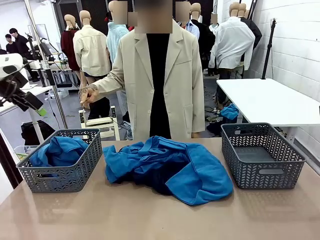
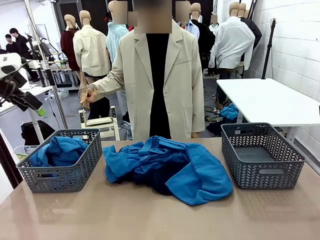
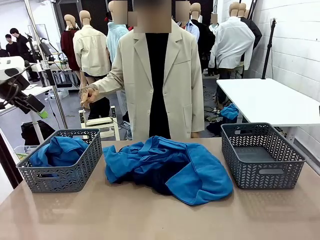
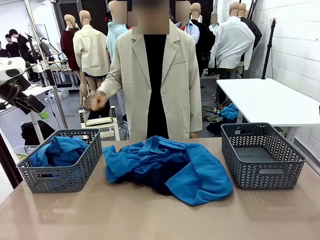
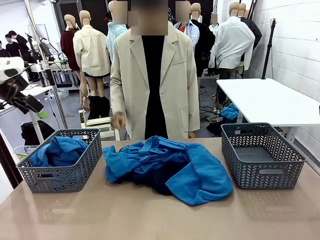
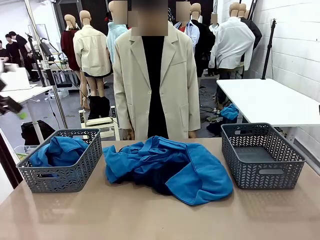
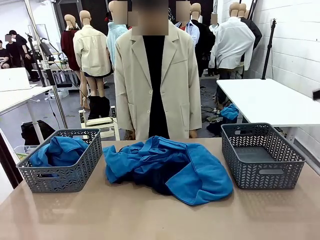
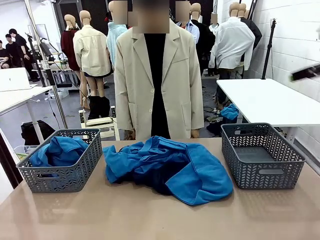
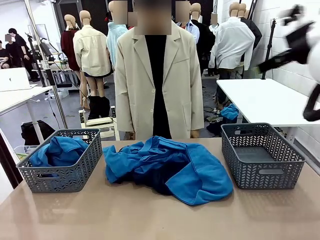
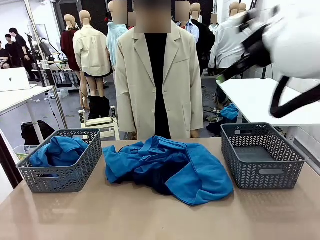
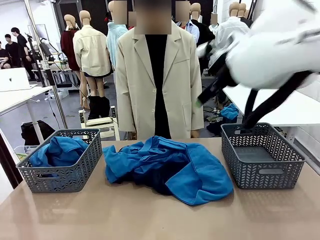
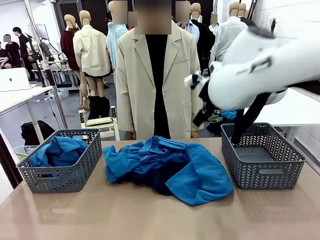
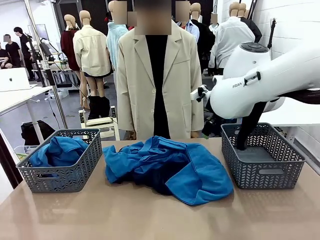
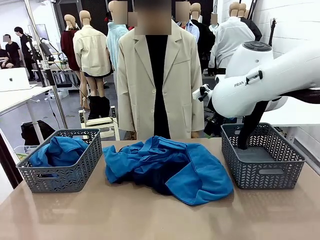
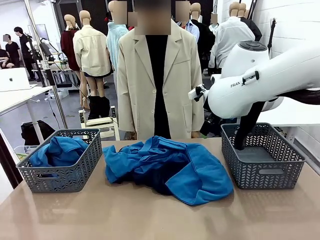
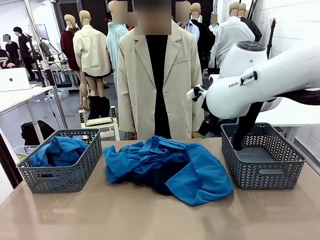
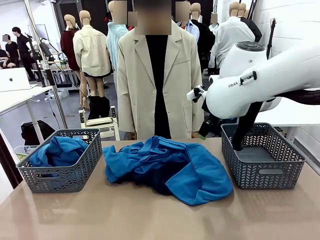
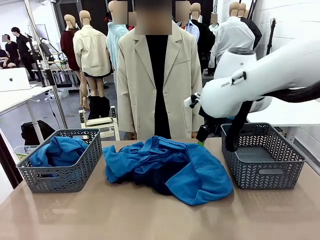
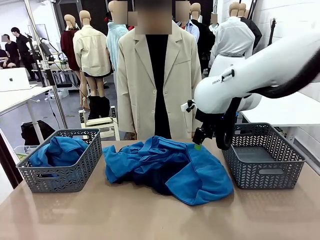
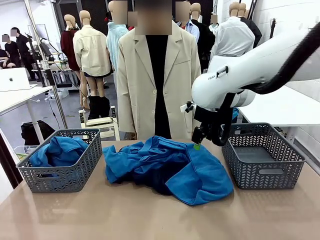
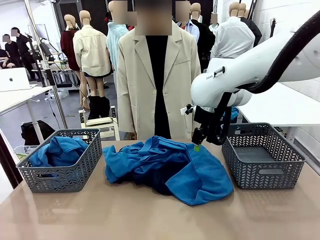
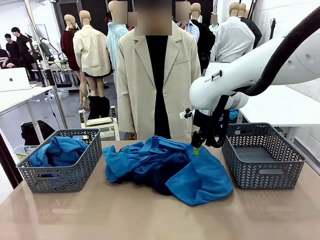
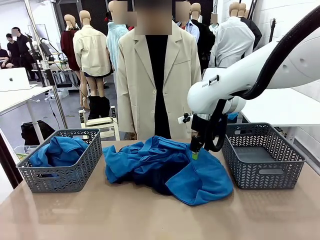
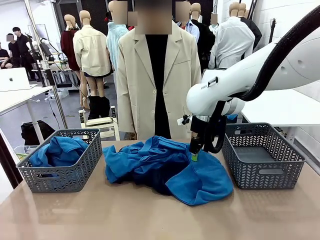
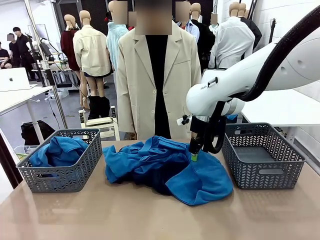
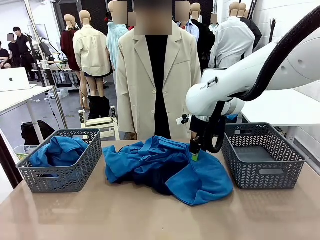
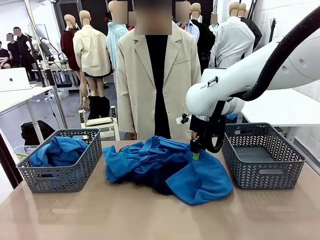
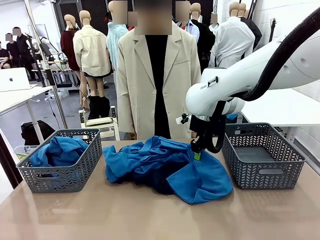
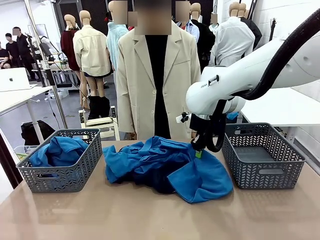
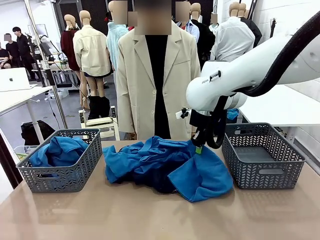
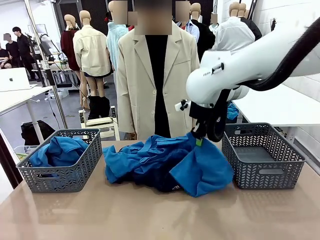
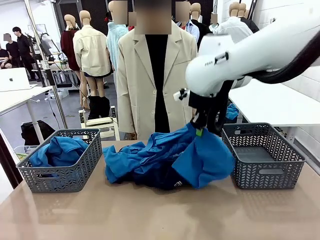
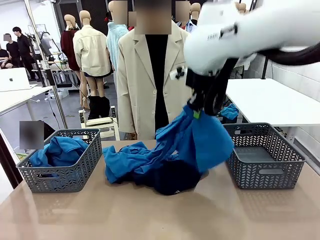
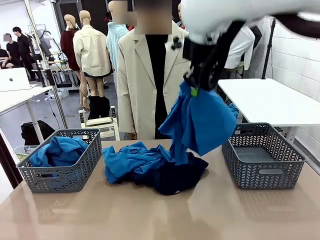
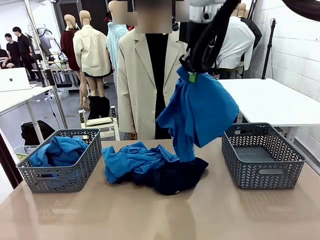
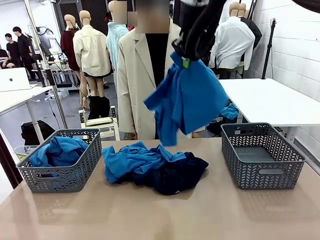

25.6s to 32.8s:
Task: Sort the tops and bottoms.
Robot: Lift clothes from the center of the table with your right hand.

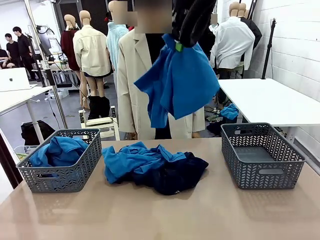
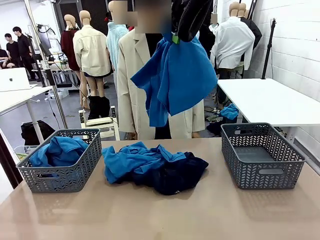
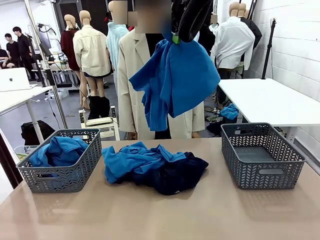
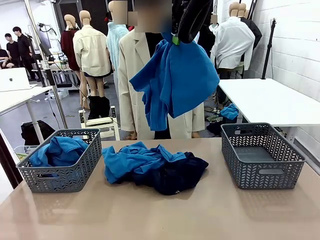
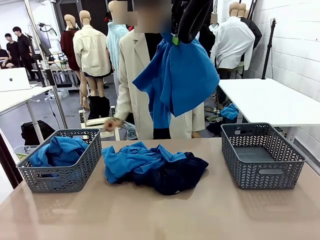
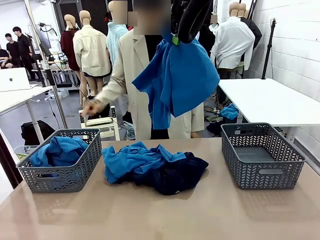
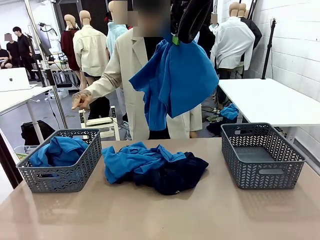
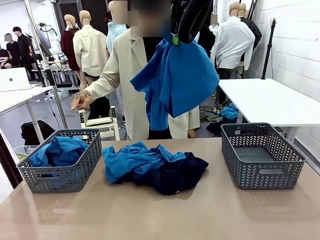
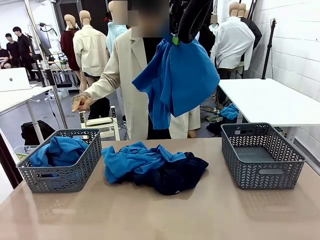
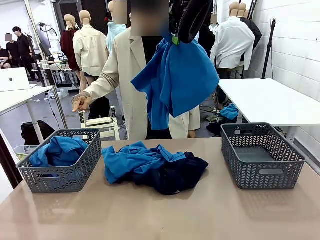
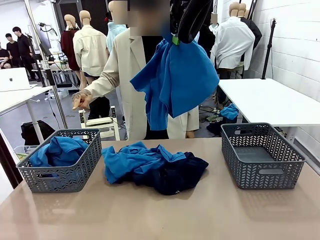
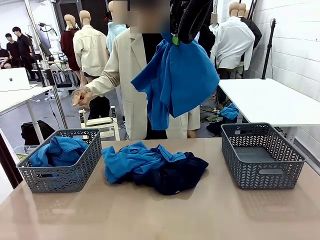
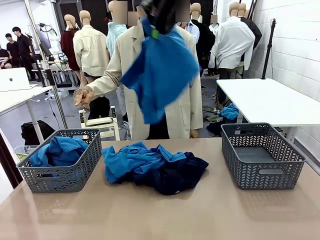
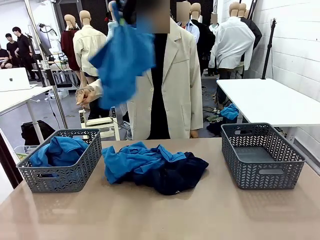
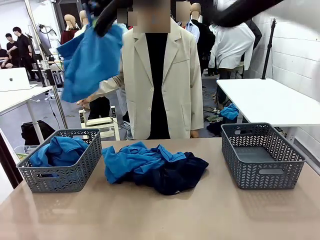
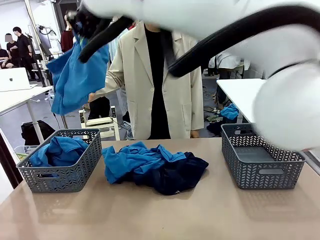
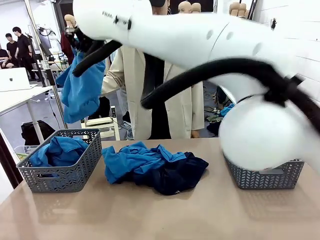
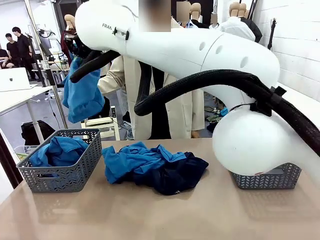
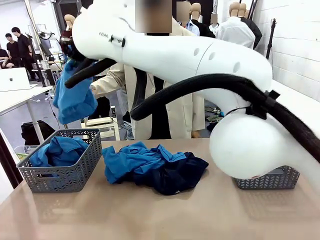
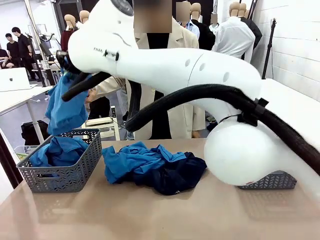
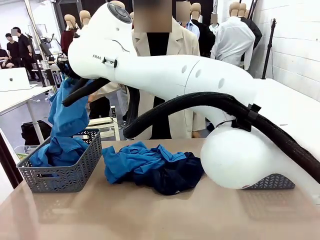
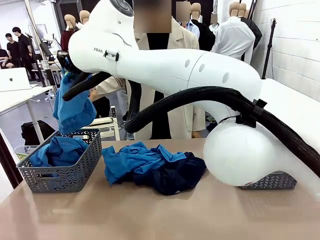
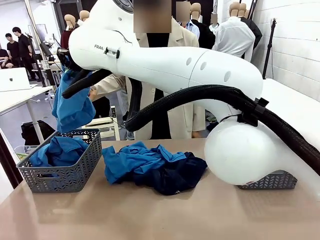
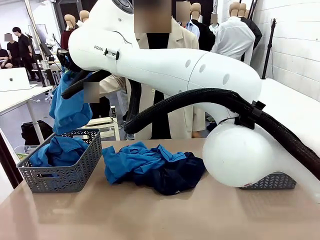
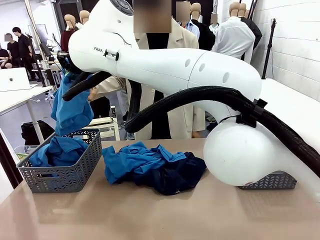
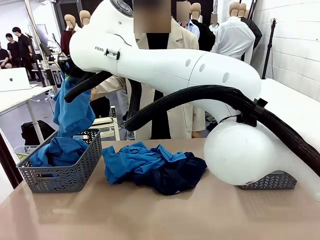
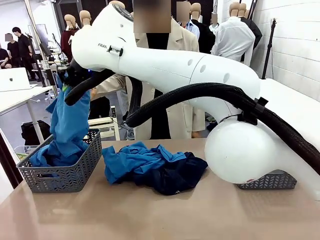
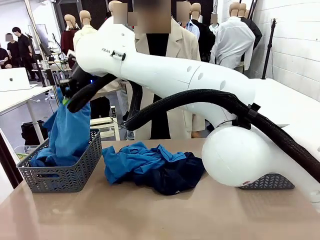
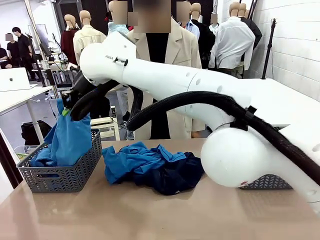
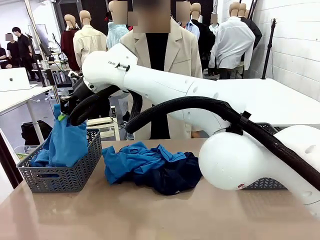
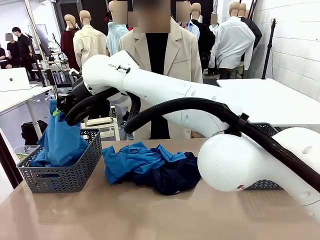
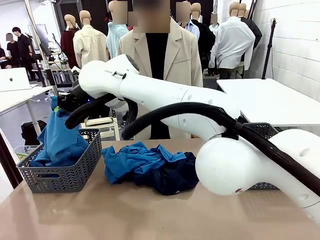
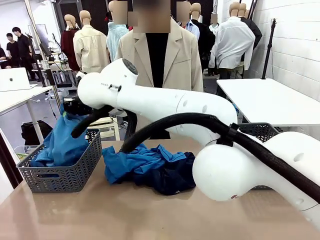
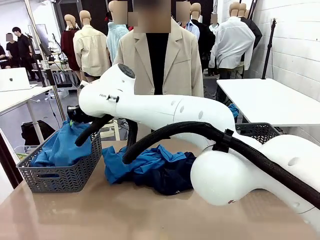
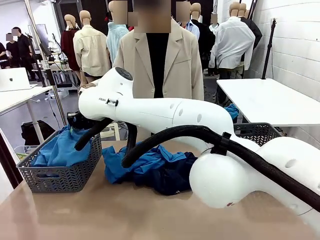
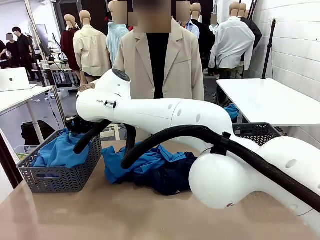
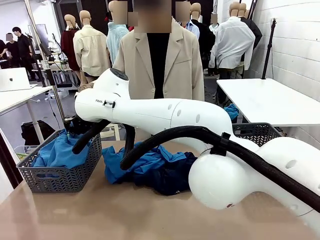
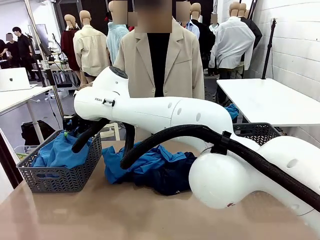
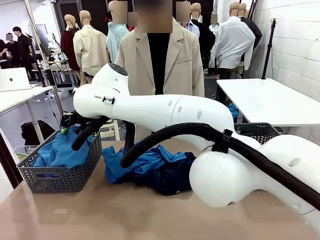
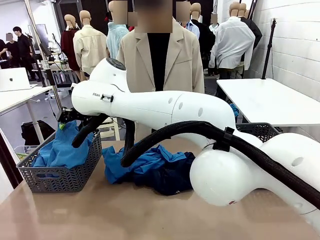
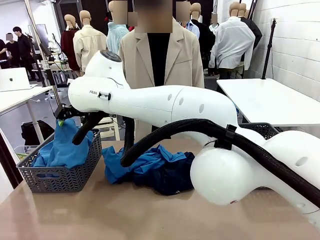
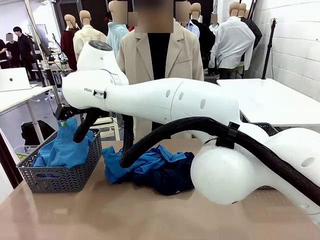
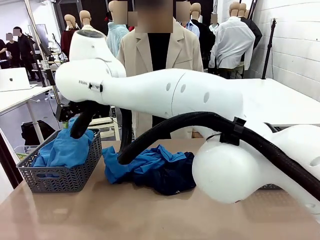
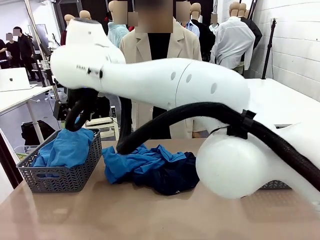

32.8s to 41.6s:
Robot: Sort the clothes according to human instructions.
